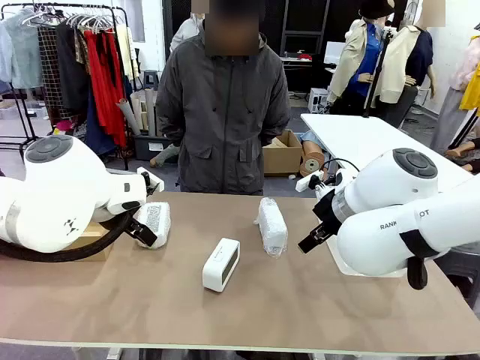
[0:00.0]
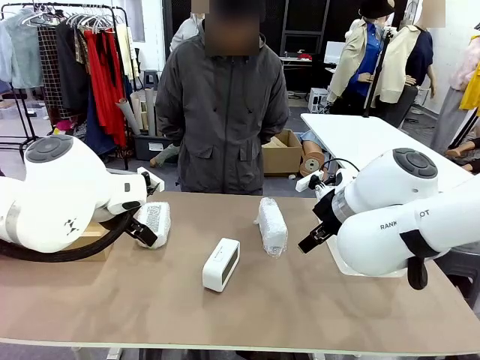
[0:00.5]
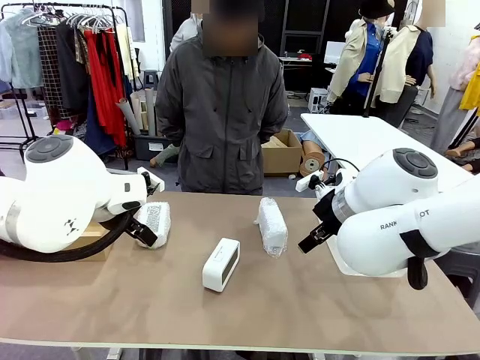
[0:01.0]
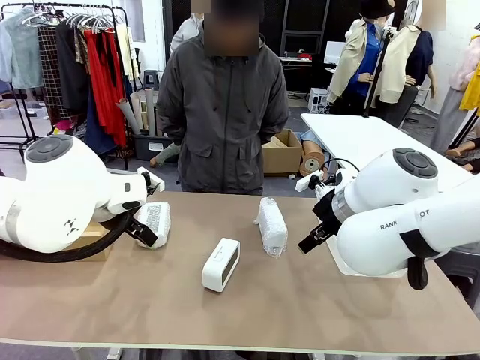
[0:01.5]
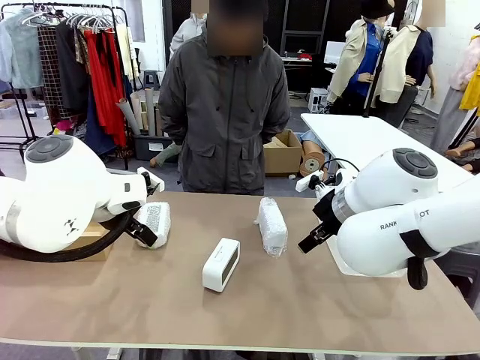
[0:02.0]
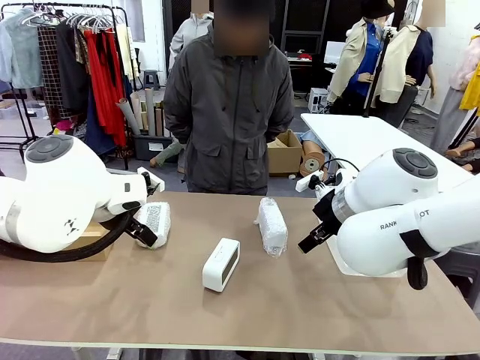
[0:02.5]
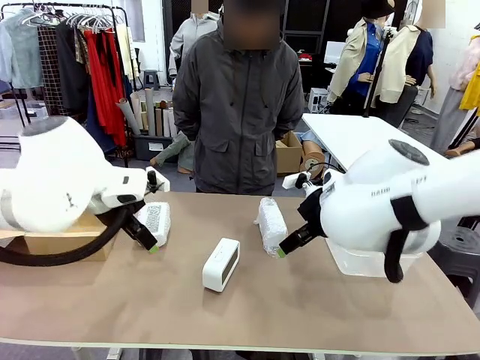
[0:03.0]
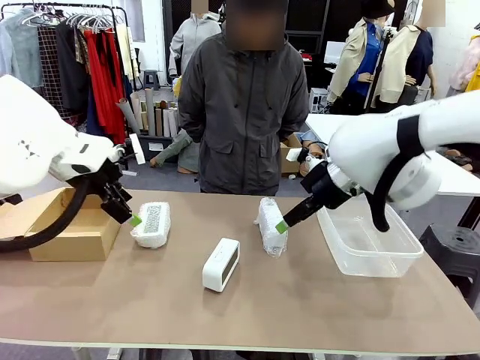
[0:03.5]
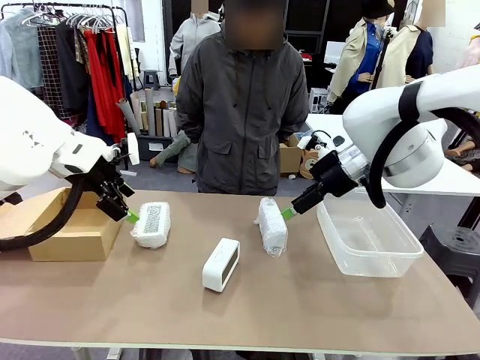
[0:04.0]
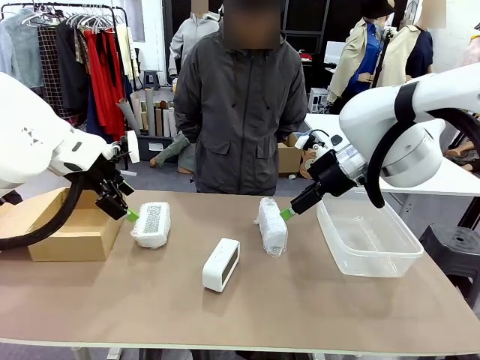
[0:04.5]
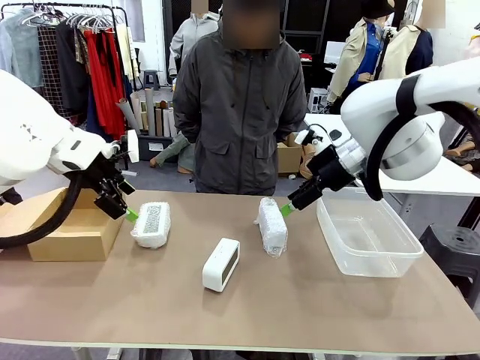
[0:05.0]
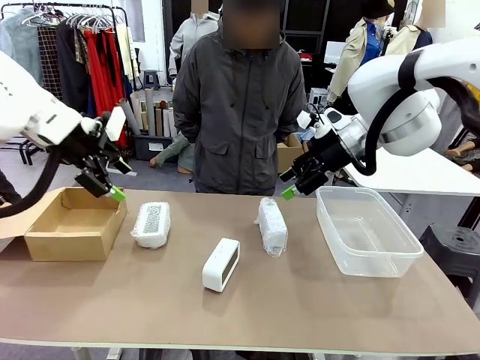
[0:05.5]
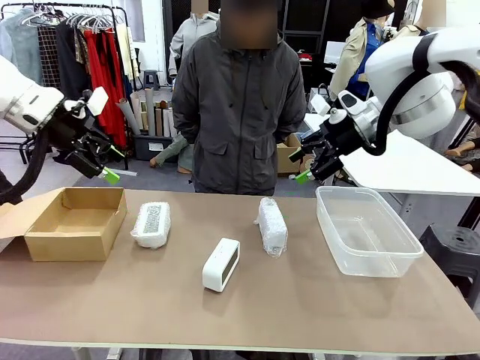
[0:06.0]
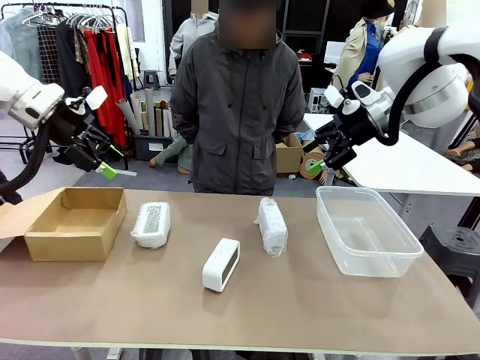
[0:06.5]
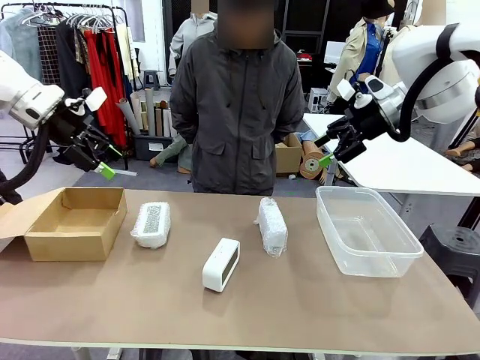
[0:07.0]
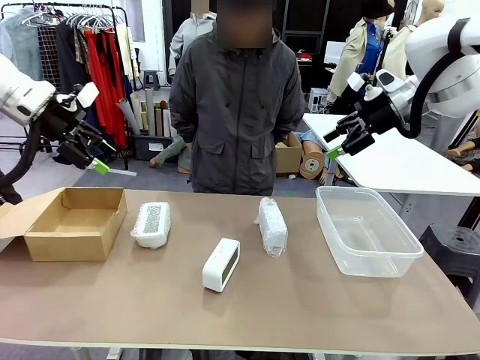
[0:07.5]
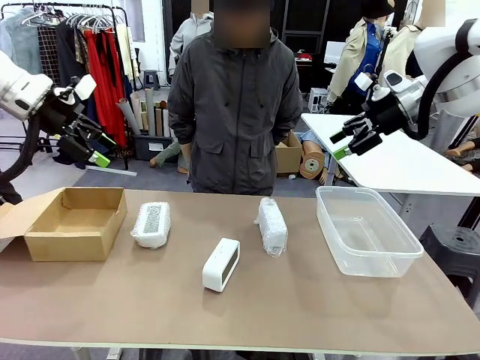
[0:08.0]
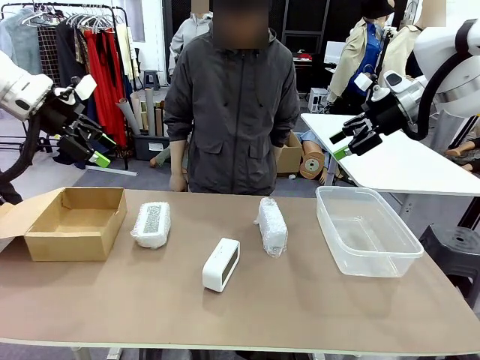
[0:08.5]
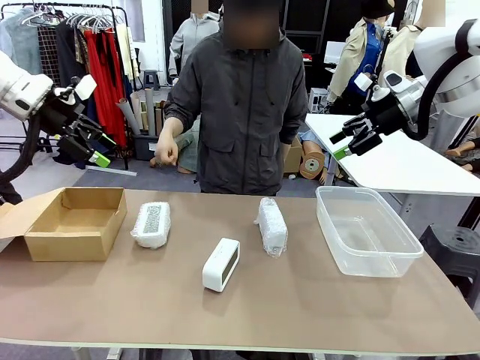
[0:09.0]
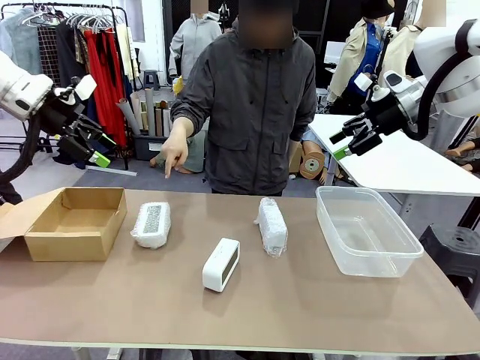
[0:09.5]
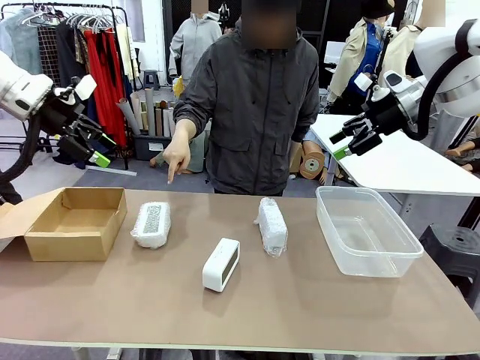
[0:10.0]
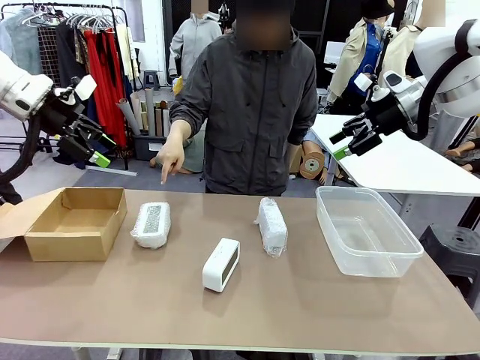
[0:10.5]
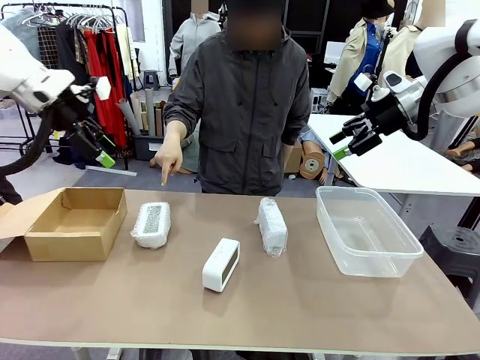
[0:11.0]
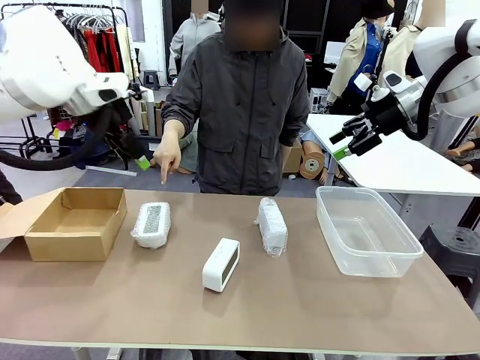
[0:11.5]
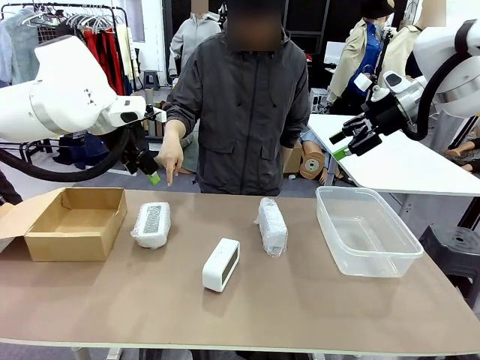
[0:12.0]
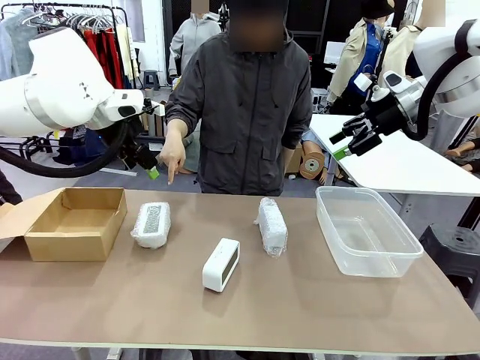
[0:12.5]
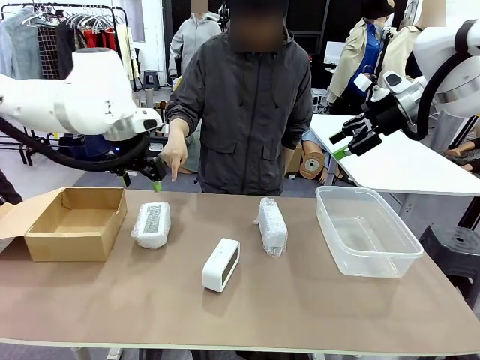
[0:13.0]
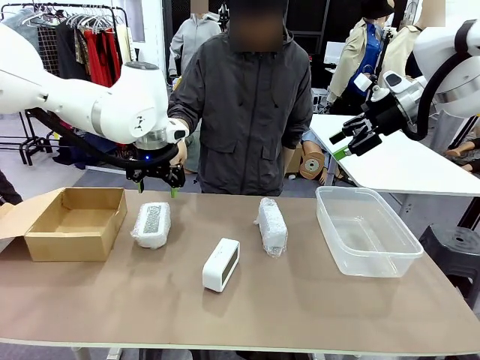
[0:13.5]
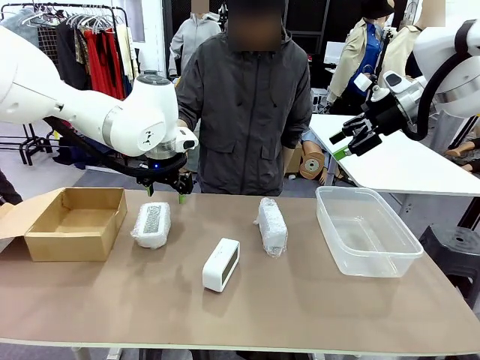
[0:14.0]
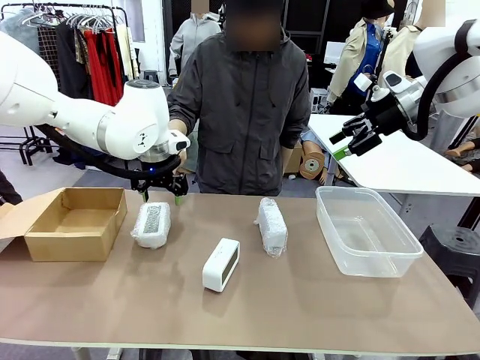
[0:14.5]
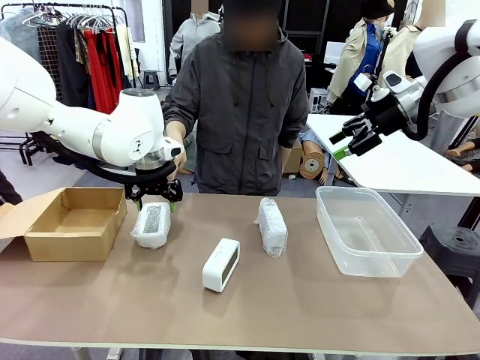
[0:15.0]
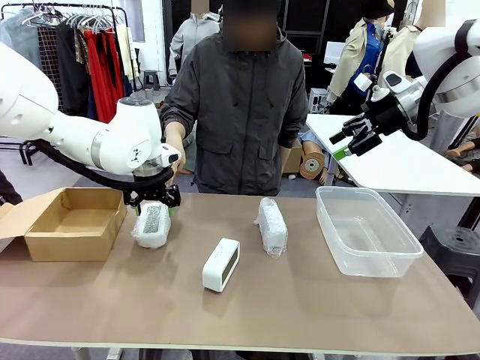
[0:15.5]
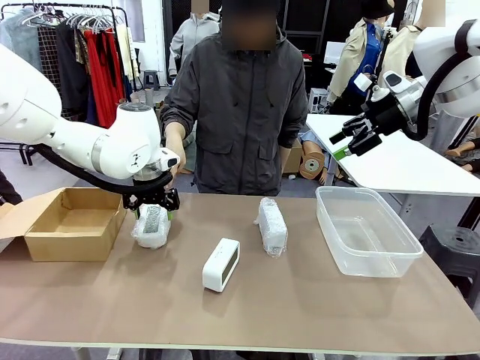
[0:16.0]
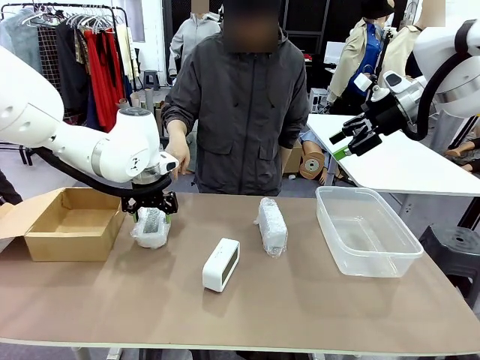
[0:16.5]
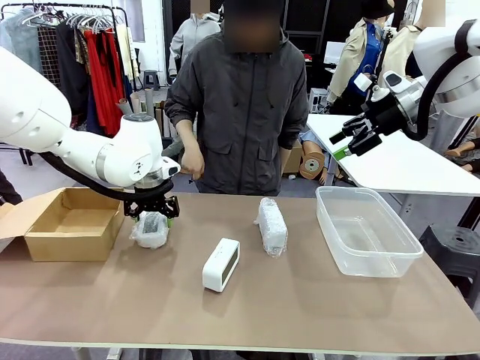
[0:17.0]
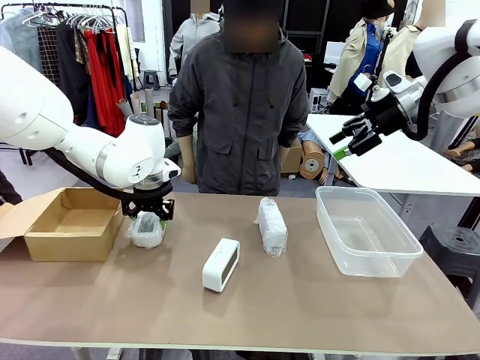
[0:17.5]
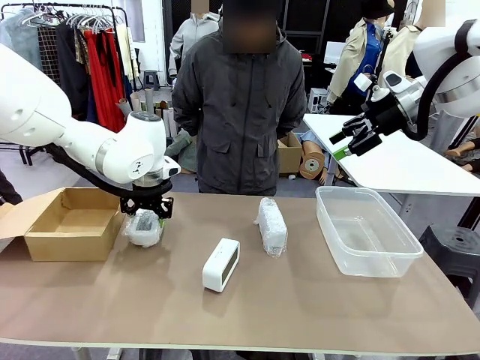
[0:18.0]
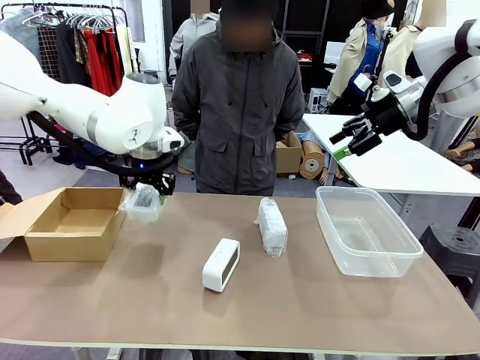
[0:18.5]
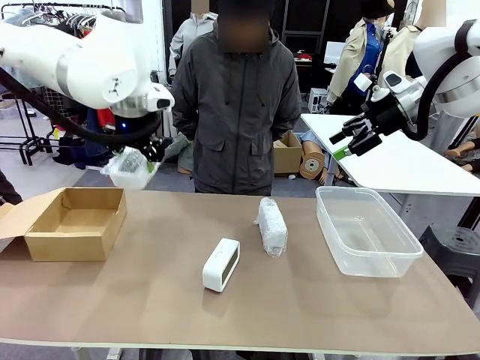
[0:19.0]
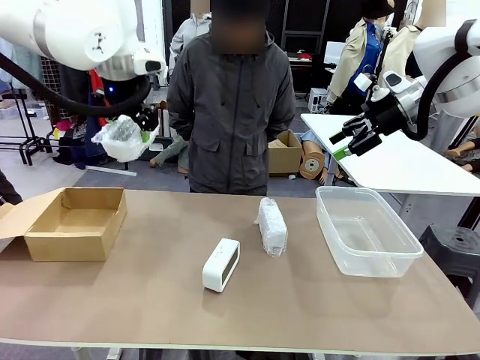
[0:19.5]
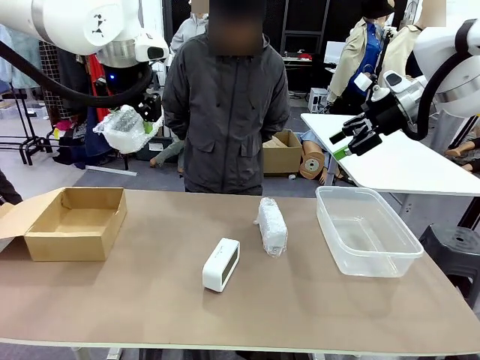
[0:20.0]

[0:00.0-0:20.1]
Task: Separate and place wrapped and unwrapped clocks.
Robot: Pick up the Digital clock indicated by the person.

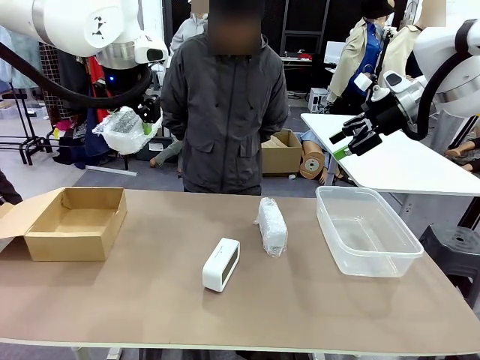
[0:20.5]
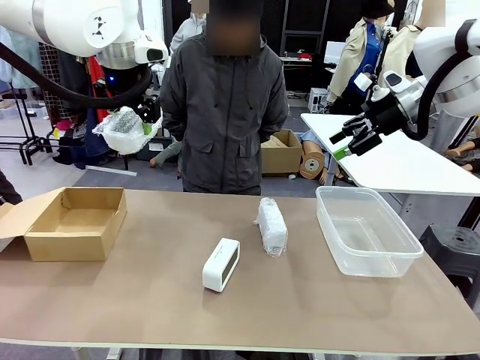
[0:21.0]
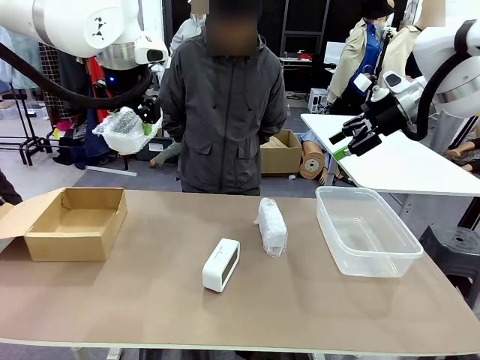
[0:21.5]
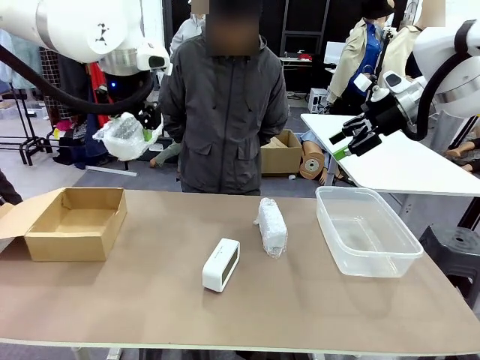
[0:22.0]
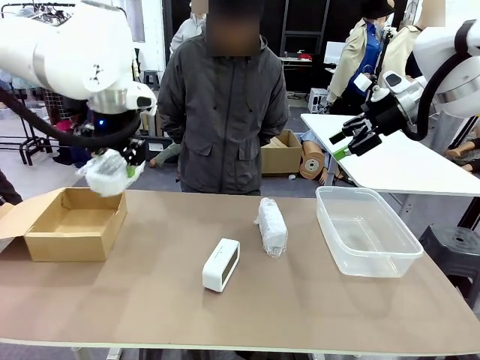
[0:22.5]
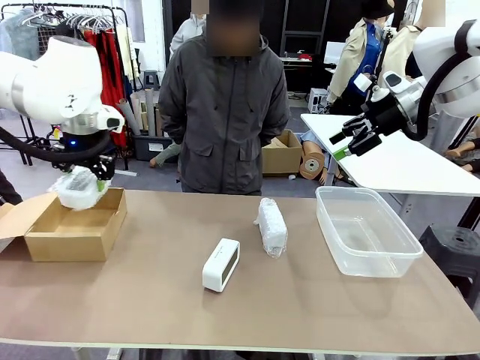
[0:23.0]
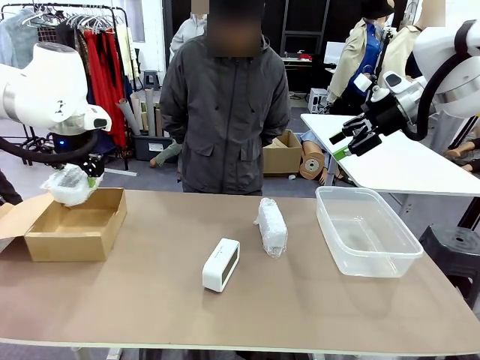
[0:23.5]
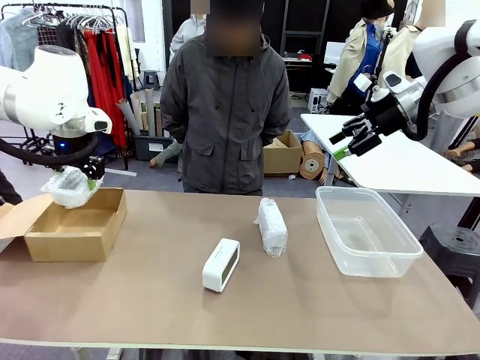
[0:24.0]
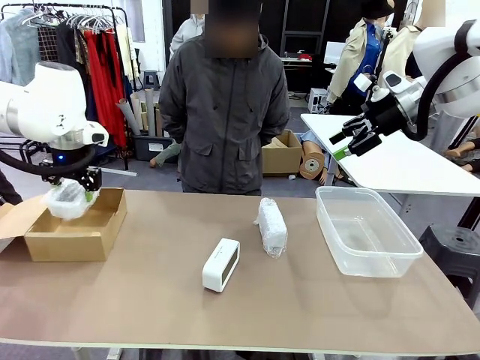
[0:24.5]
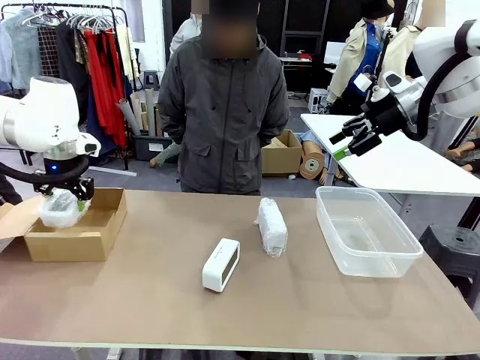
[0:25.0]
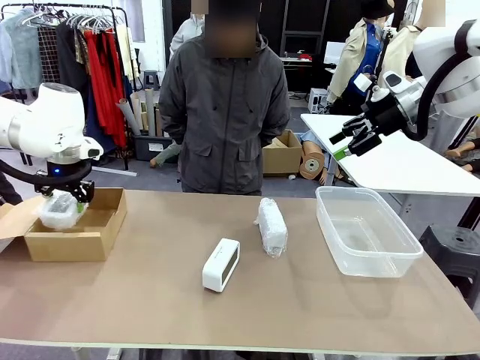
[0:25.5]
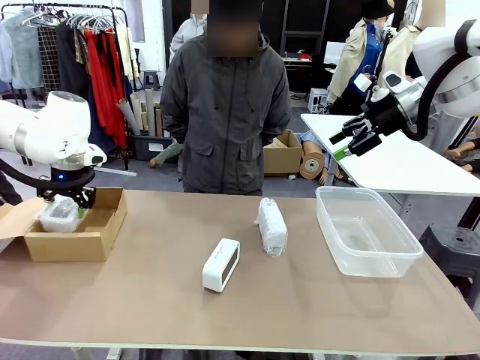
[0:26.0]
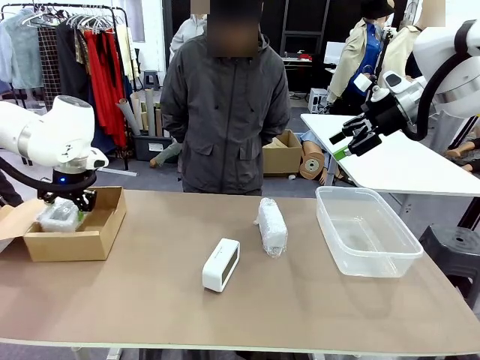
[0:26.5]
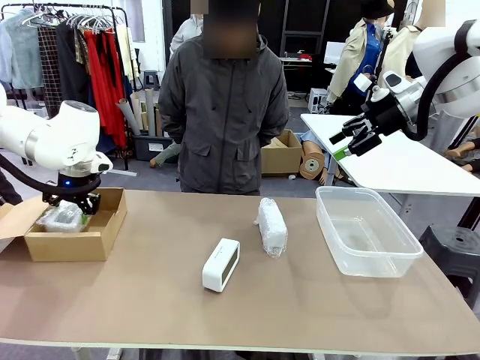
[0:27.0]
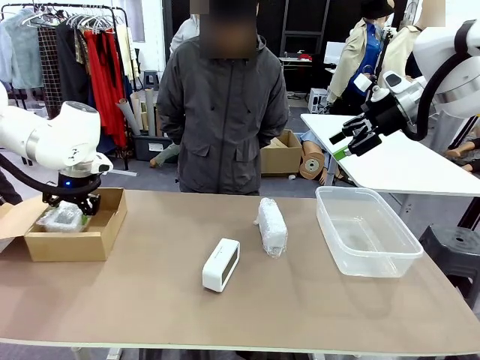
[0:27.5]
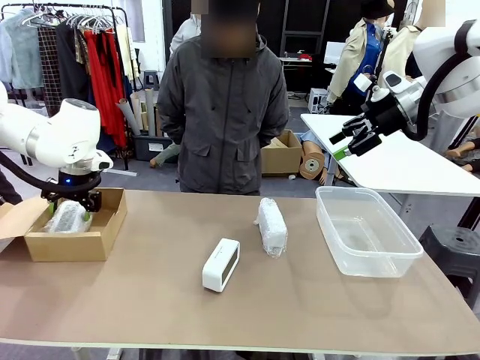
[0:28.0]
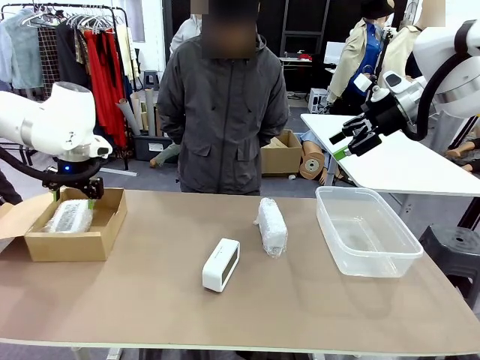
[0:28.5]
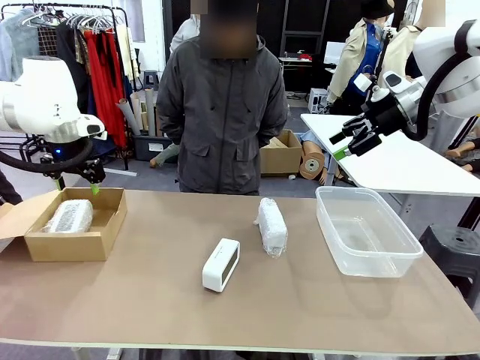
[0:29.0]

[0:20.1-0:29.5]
Robot: If the picked Digital clock is wrapped, place it in the Package Box ; if not, place it in the Organizing box.
